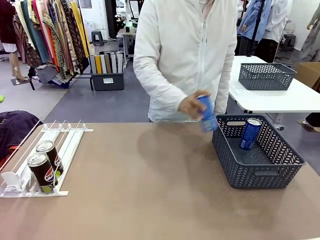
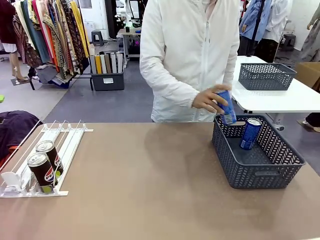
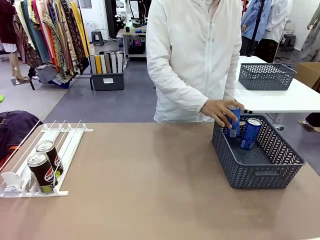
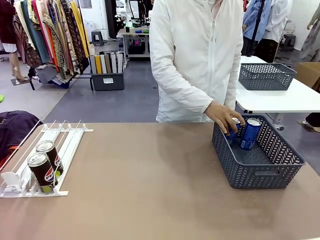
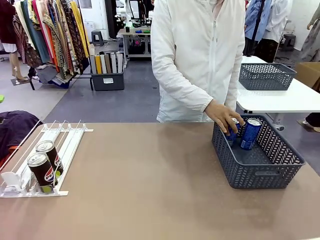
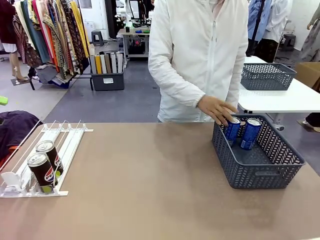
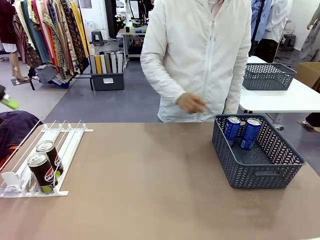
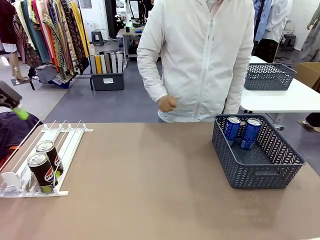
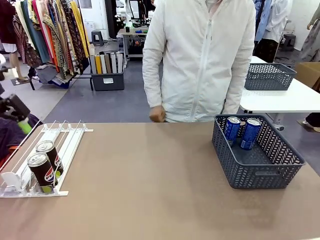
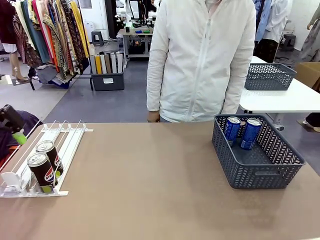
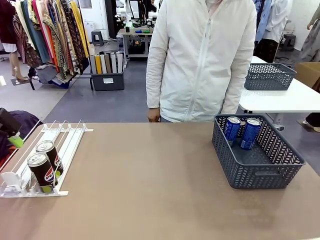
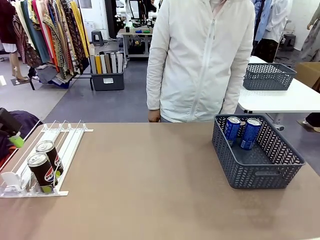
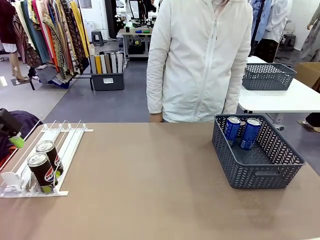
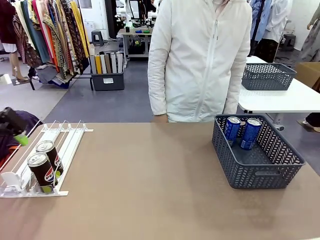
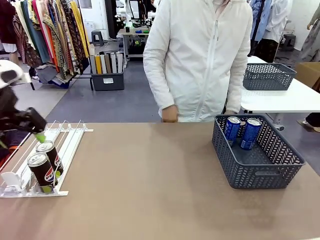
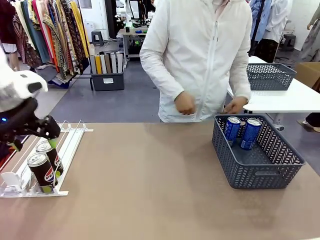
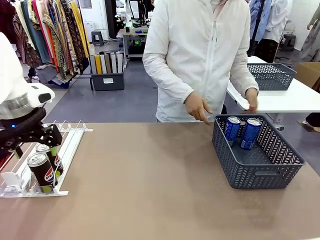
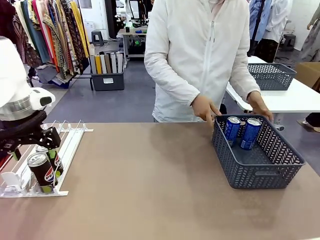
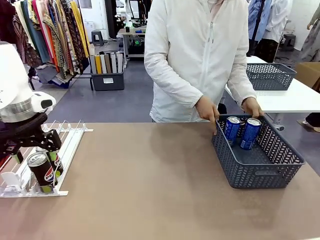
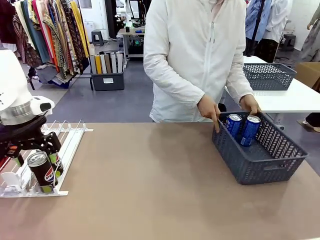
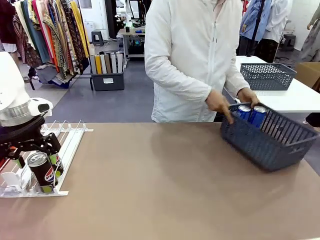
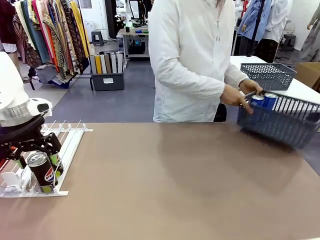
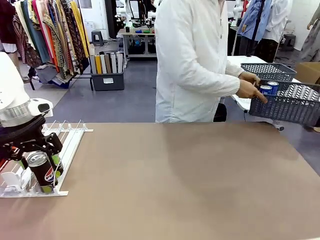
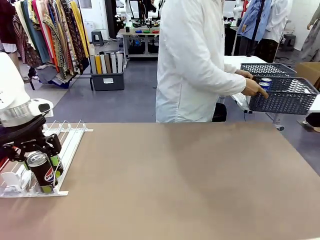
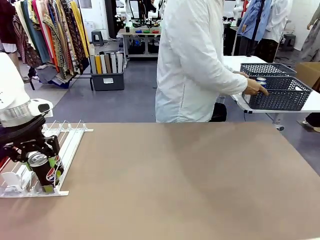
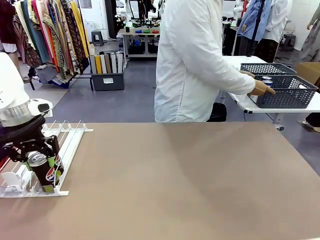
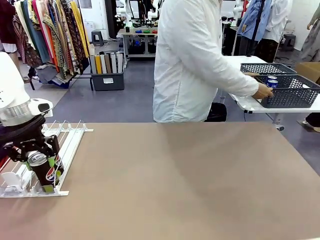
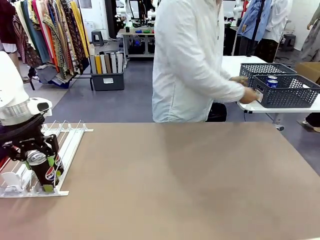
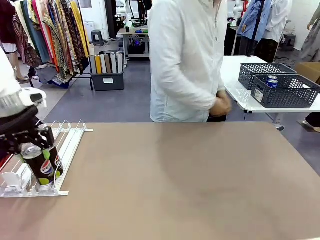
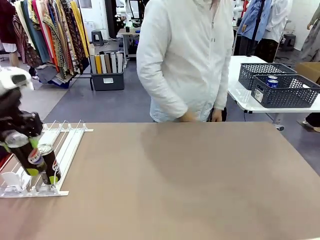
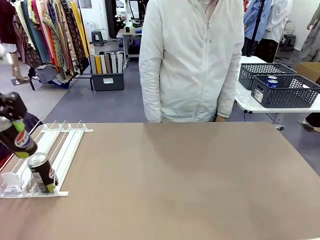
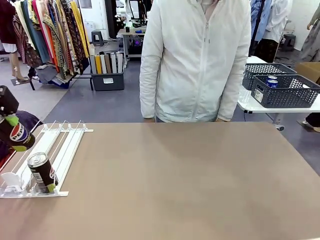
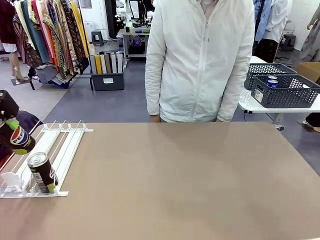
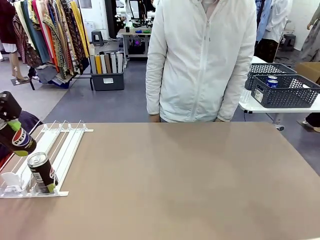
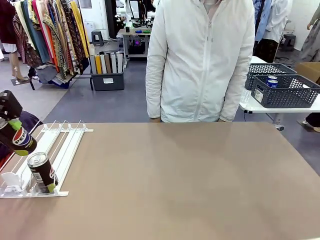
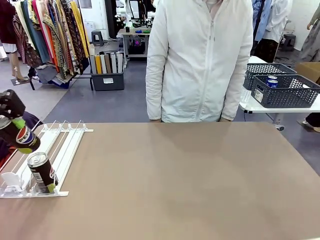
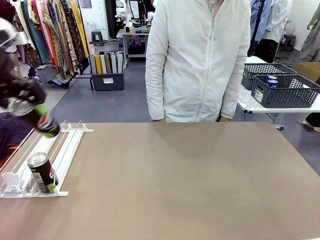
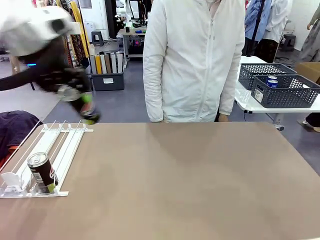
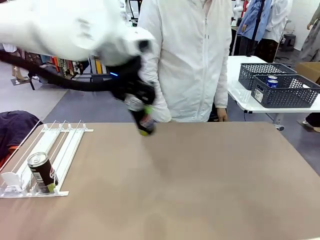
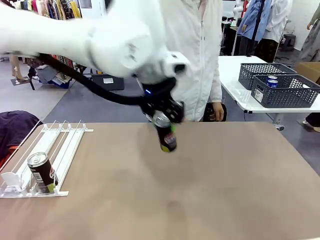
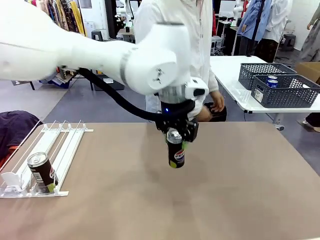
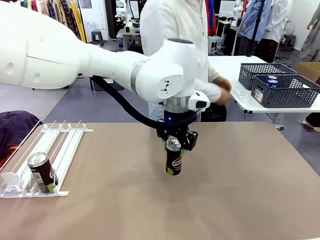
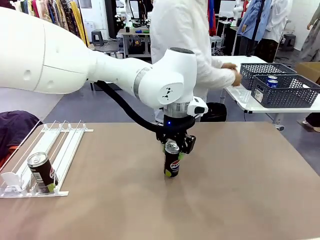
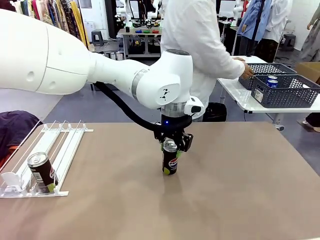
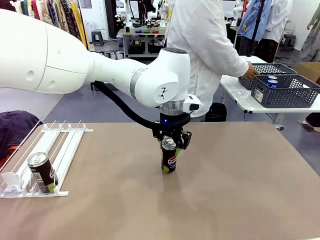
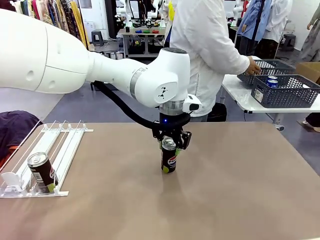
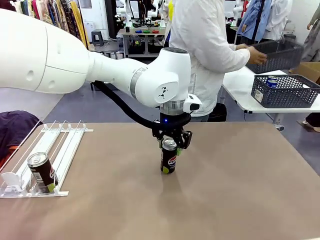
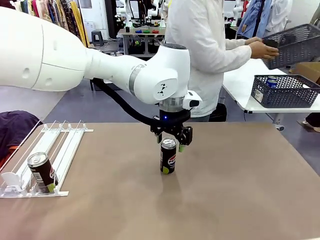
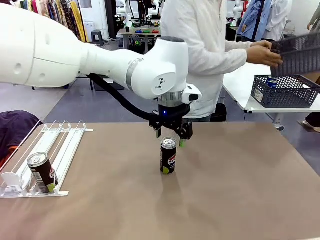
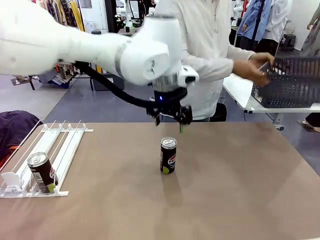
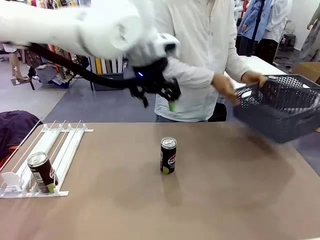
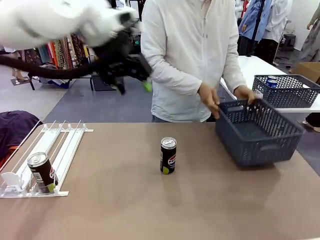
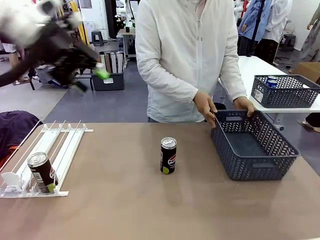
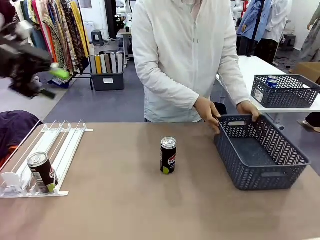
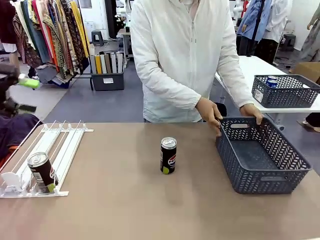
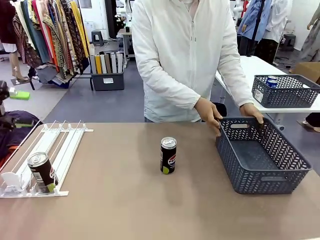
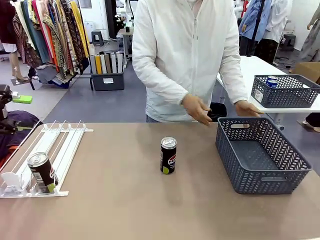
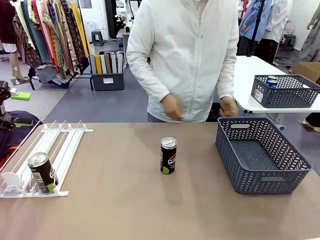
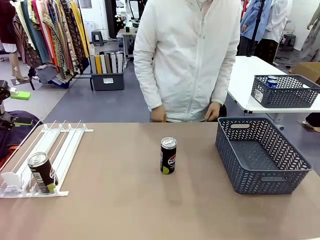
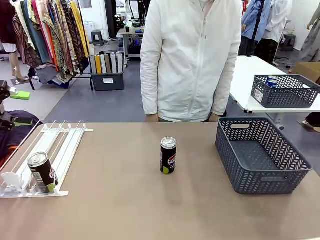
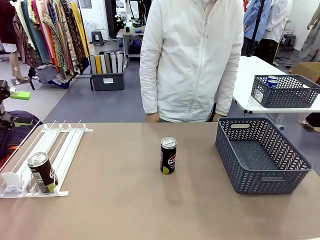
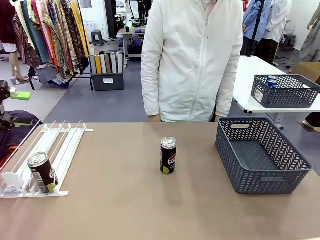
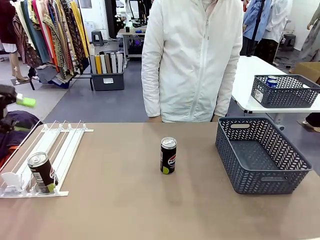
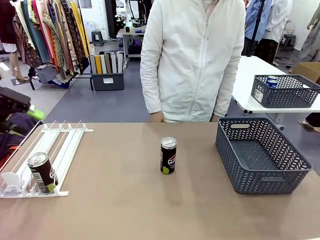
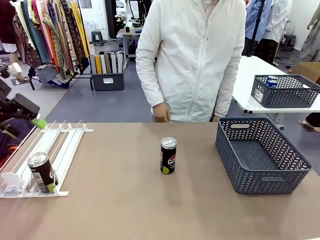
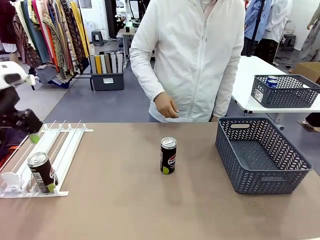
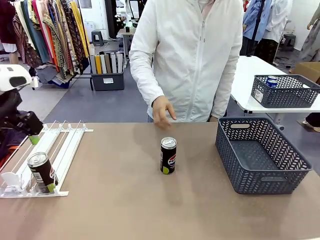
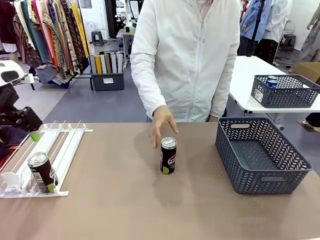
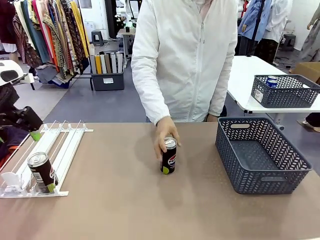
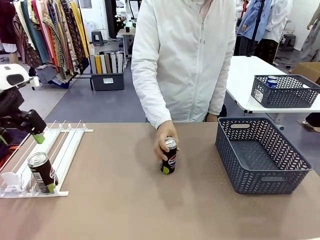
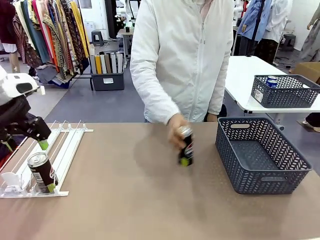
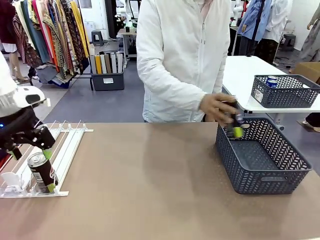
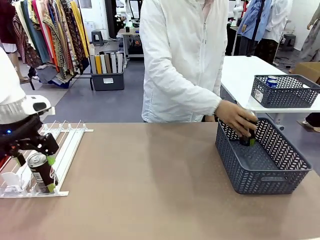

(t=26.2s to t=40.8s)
Task: Retrieve and store the cans from the dispenser.
Robot: Pick up one can from the Automatic Can Dispenser and place it in the middle of the table.
Person: Pick up the basket and place it in the middle of the human table. Pick up the empty basket and place it on the left side of the robot table.

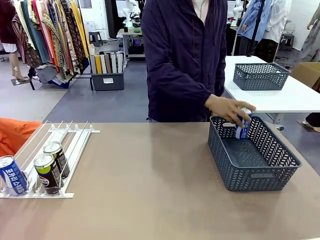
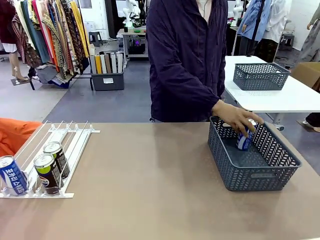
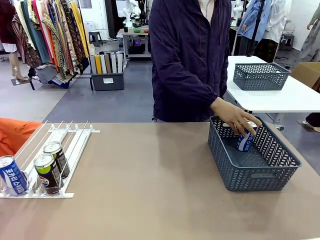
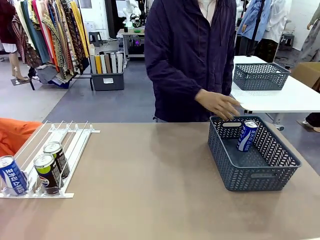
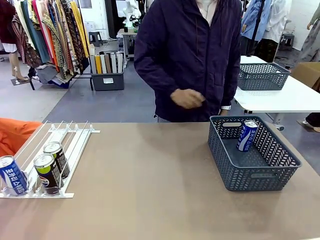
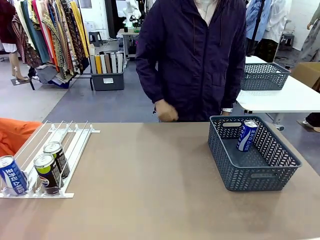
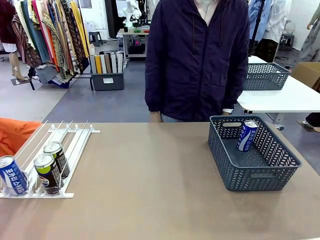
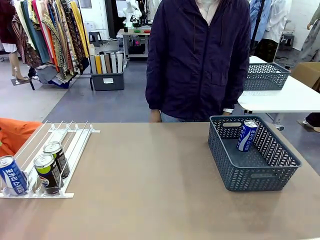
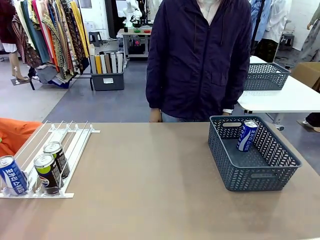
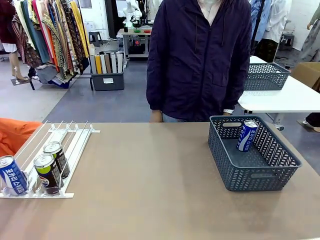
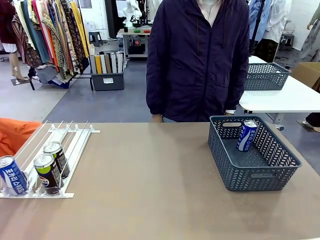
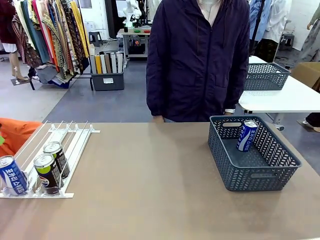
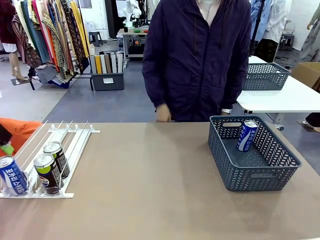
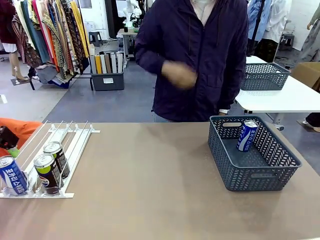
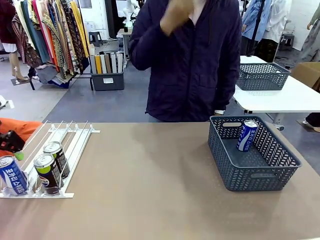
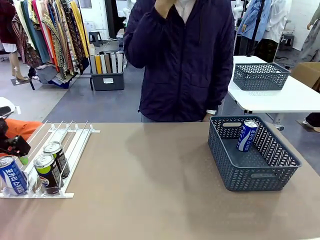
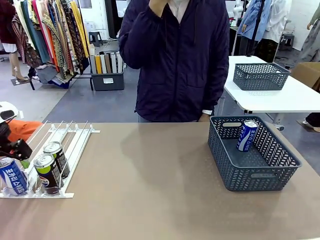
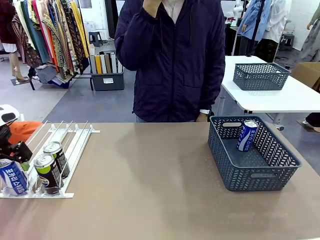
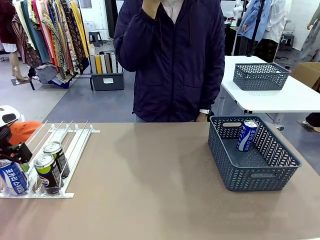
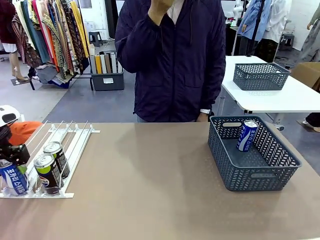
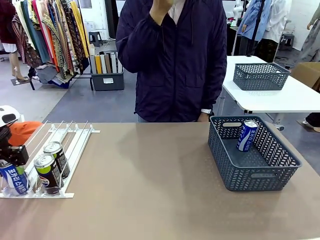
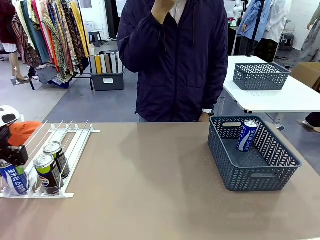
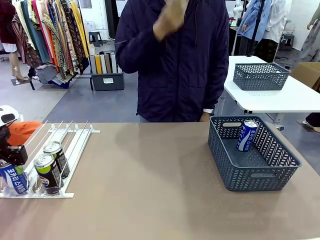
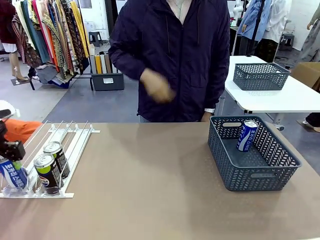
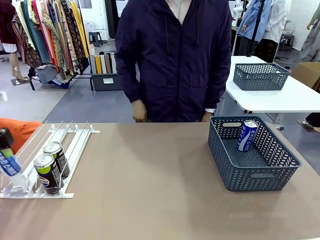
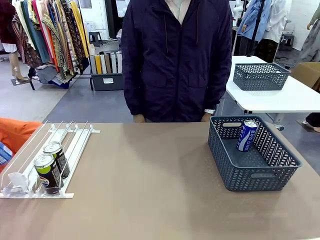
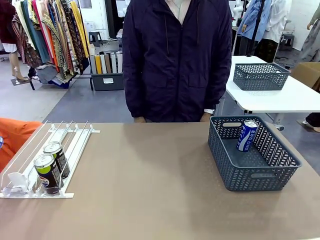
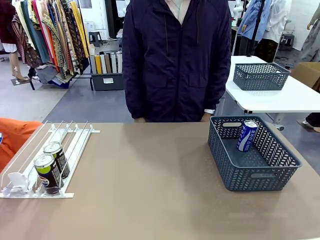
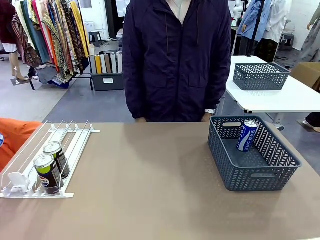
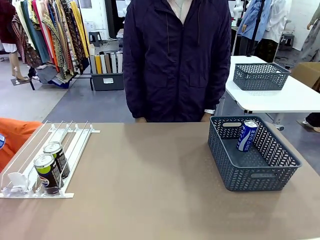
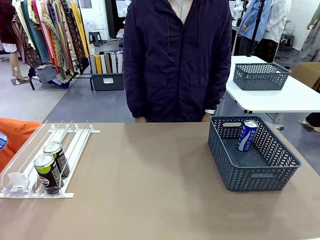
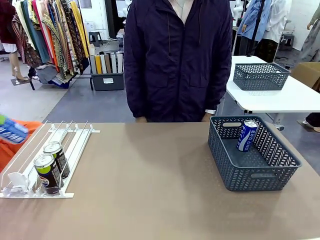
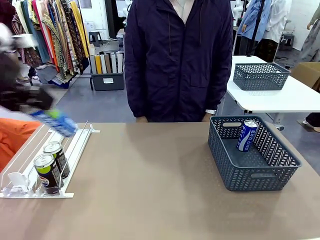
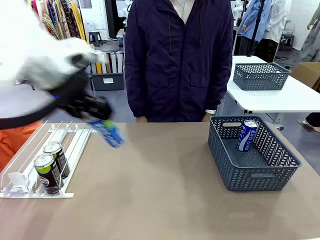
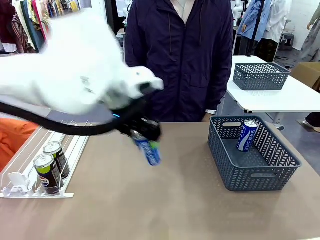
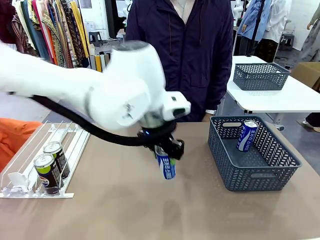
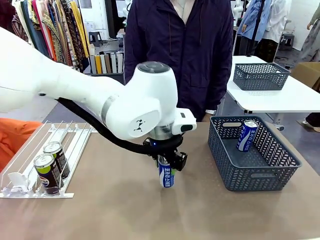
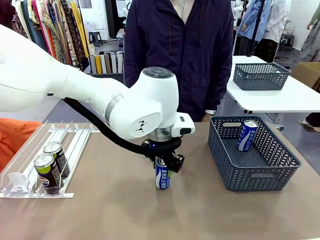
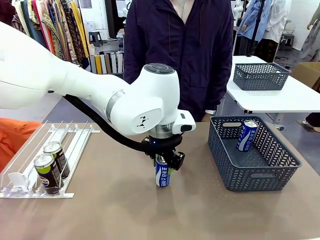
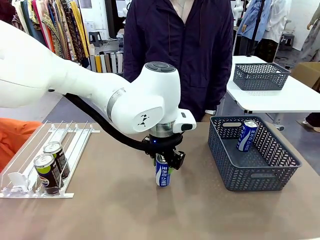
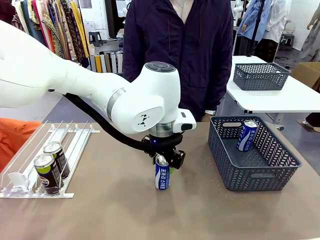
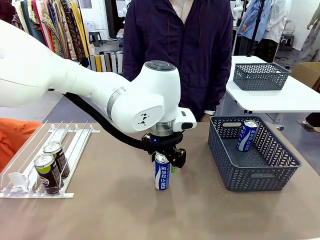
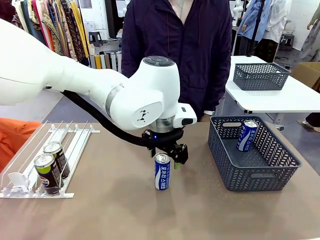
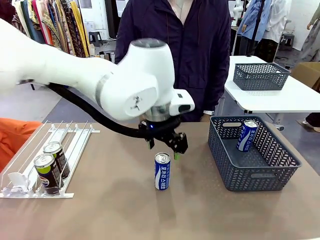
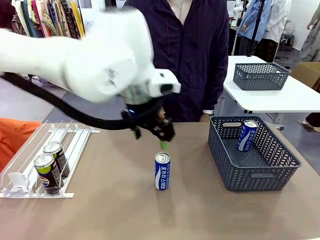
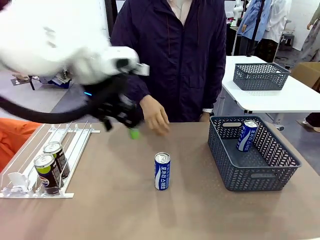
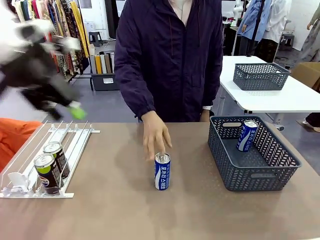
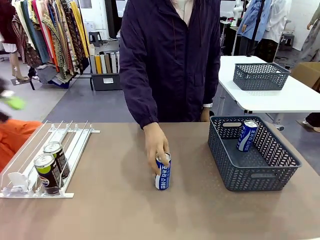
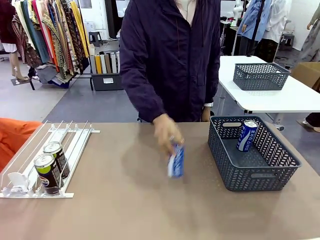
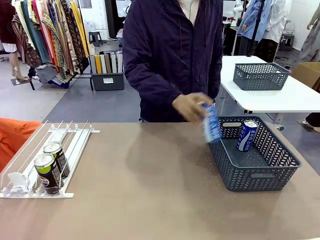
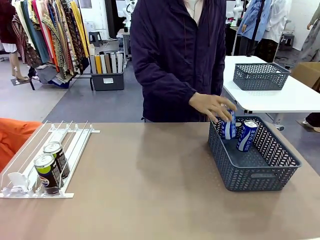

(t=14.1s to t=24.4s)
Task: Retrieve and store the cans from the dispenser.
Robot: Pick up the last remaining can from one row of the Automatic Can Dispenser and place it in the middle of the table.
Person: Pick up one Pepsi can from the middle of the robot table and place it in the basket.
